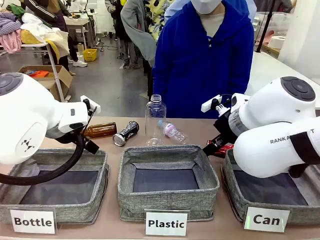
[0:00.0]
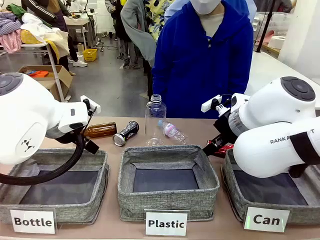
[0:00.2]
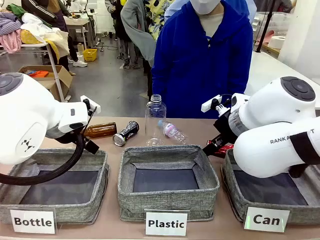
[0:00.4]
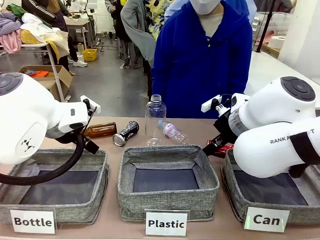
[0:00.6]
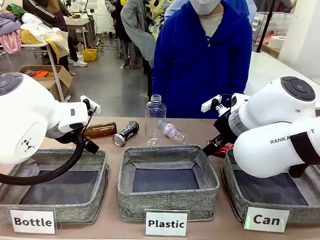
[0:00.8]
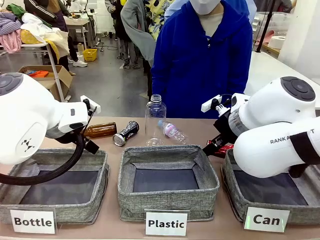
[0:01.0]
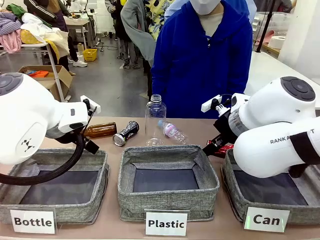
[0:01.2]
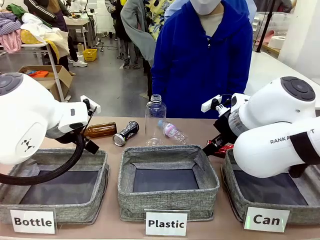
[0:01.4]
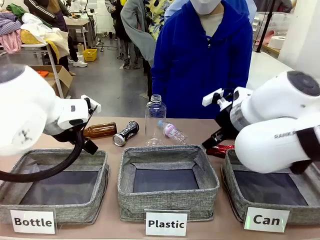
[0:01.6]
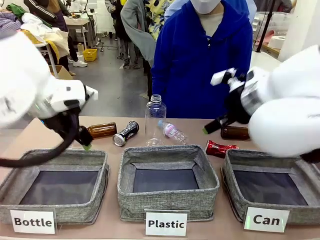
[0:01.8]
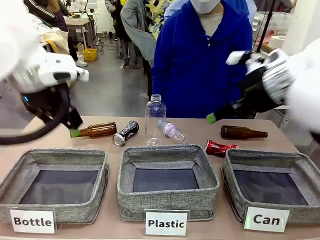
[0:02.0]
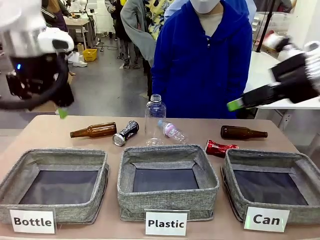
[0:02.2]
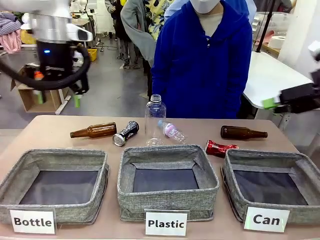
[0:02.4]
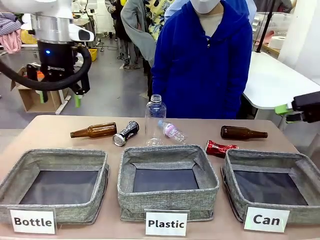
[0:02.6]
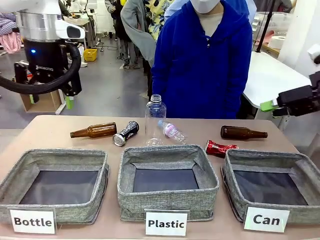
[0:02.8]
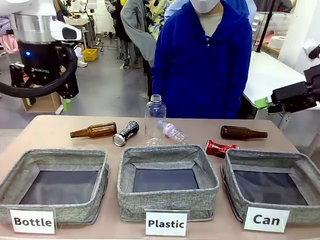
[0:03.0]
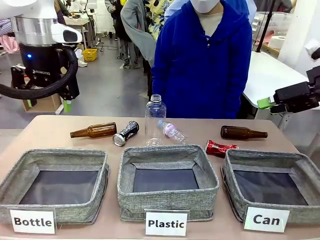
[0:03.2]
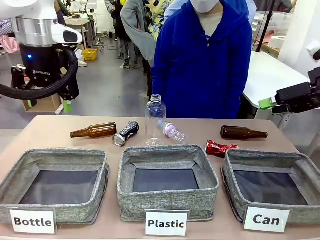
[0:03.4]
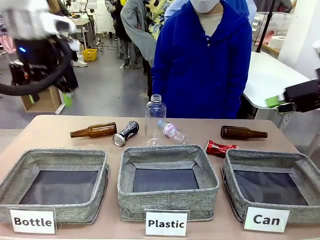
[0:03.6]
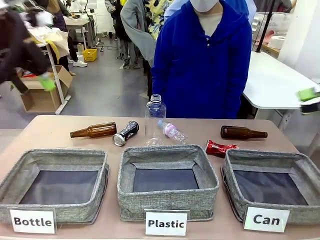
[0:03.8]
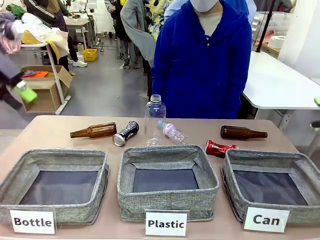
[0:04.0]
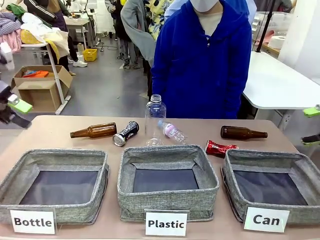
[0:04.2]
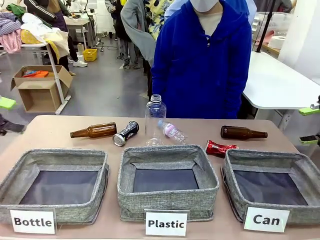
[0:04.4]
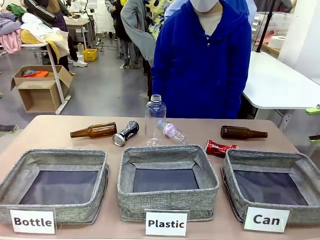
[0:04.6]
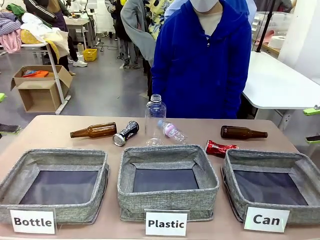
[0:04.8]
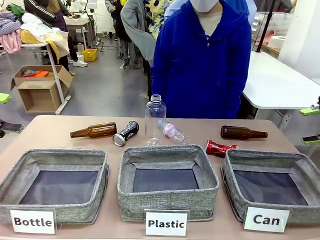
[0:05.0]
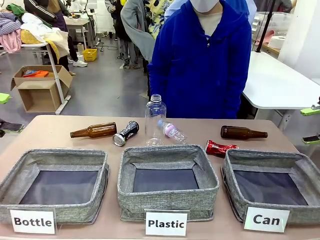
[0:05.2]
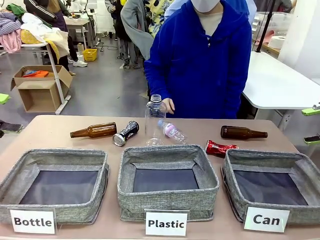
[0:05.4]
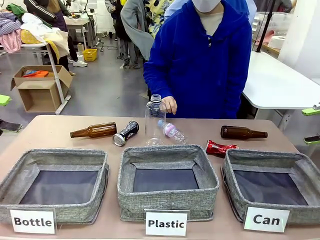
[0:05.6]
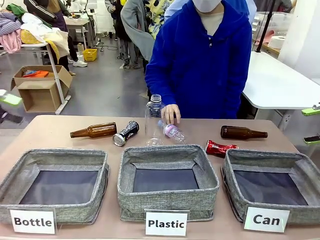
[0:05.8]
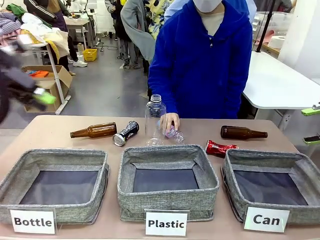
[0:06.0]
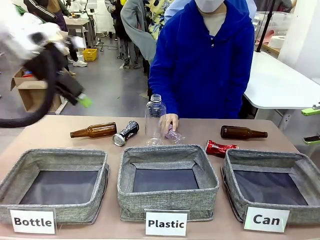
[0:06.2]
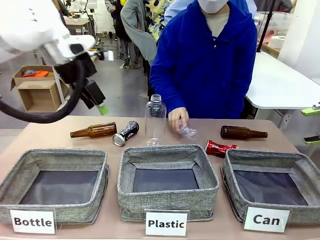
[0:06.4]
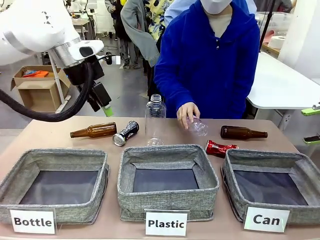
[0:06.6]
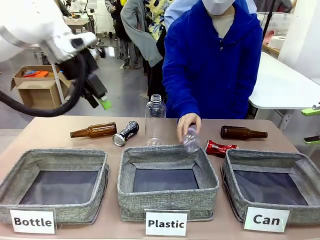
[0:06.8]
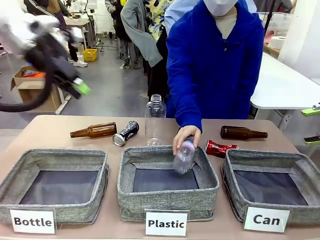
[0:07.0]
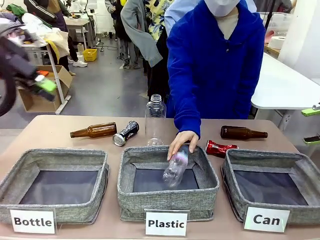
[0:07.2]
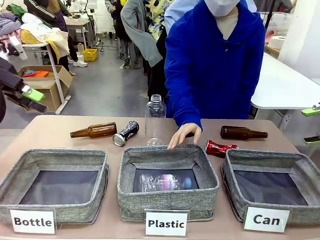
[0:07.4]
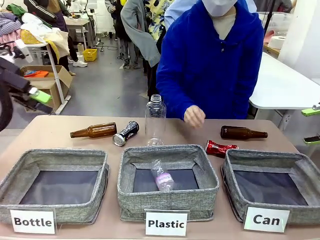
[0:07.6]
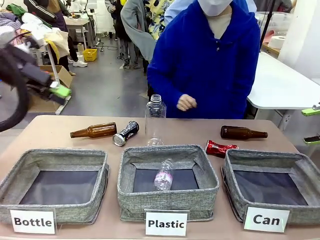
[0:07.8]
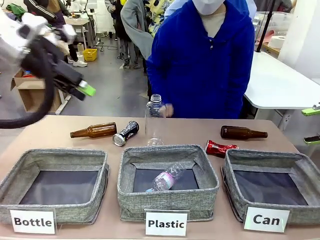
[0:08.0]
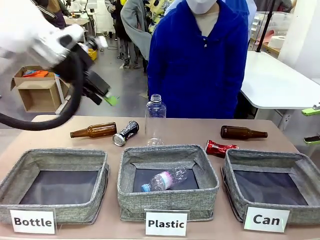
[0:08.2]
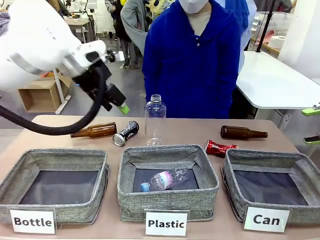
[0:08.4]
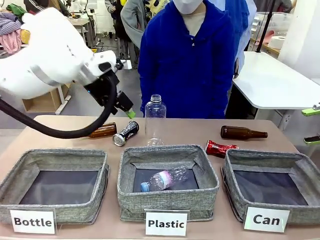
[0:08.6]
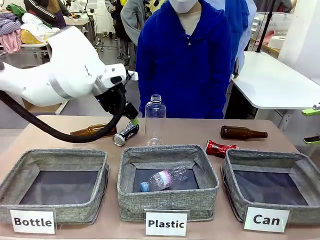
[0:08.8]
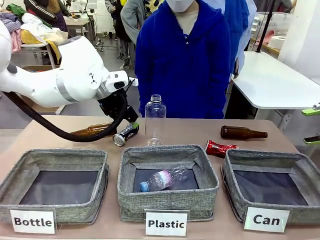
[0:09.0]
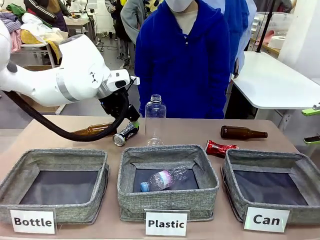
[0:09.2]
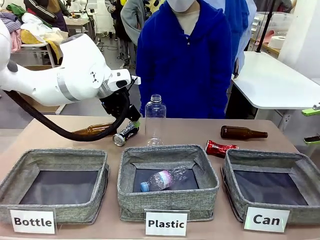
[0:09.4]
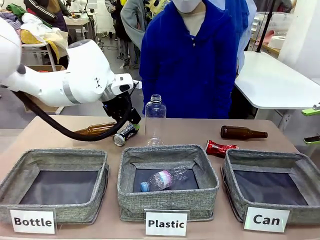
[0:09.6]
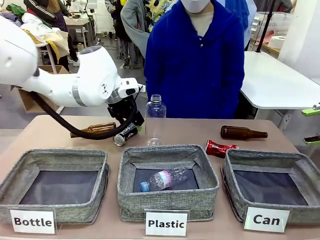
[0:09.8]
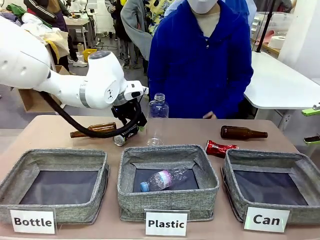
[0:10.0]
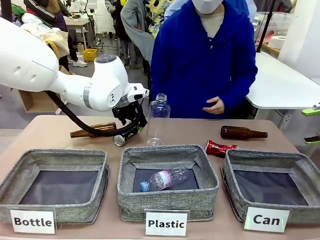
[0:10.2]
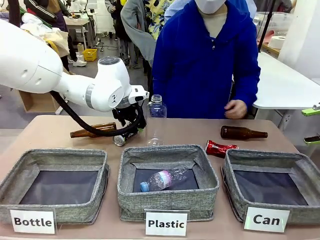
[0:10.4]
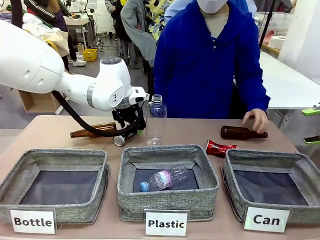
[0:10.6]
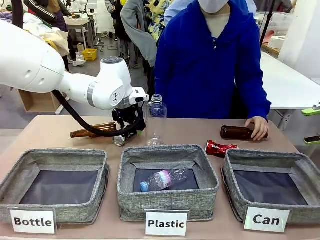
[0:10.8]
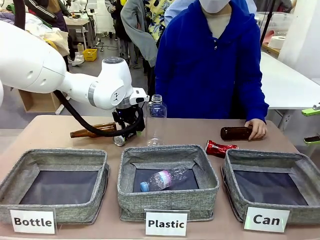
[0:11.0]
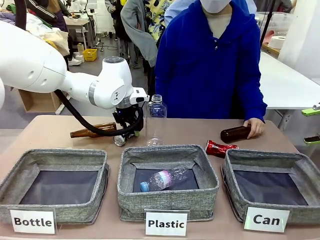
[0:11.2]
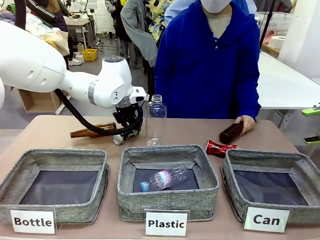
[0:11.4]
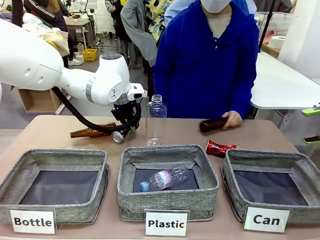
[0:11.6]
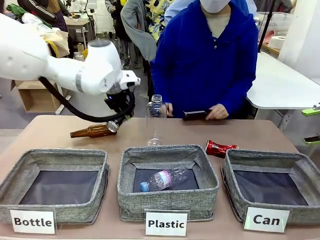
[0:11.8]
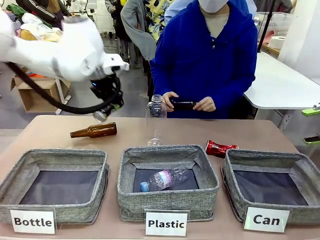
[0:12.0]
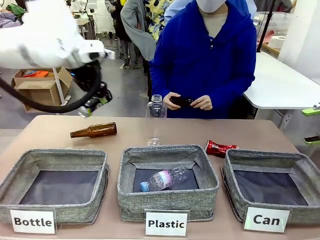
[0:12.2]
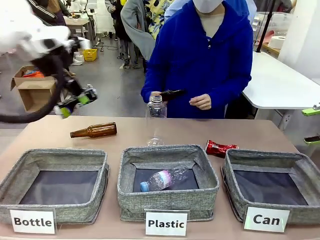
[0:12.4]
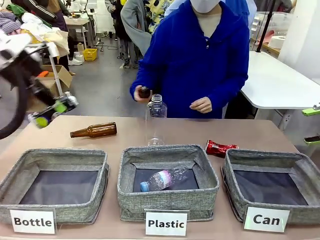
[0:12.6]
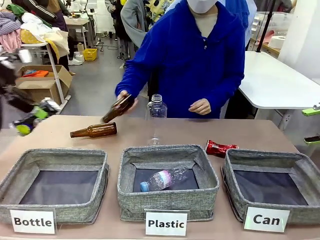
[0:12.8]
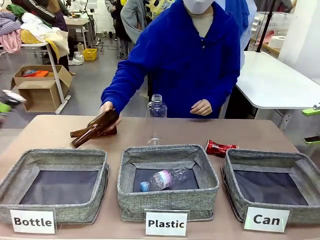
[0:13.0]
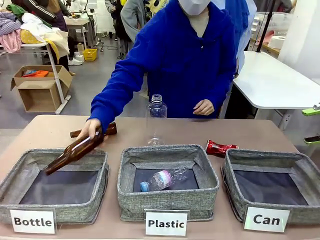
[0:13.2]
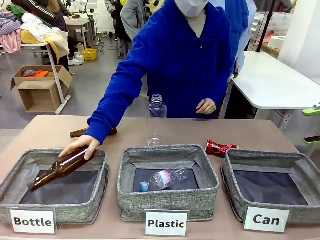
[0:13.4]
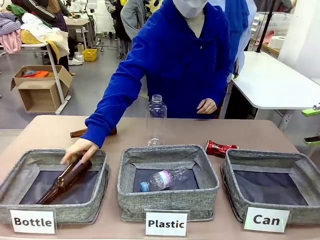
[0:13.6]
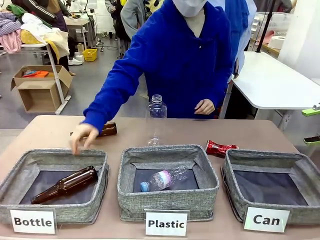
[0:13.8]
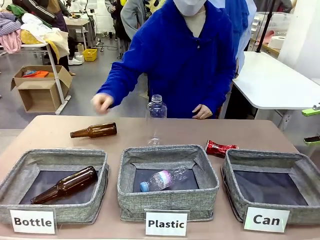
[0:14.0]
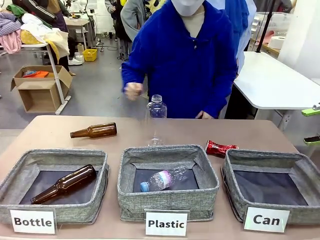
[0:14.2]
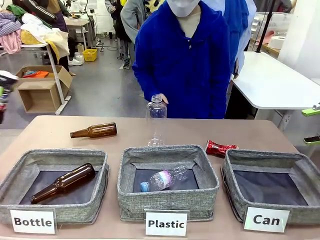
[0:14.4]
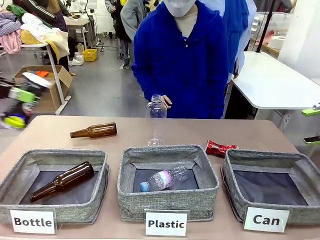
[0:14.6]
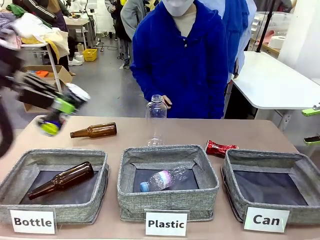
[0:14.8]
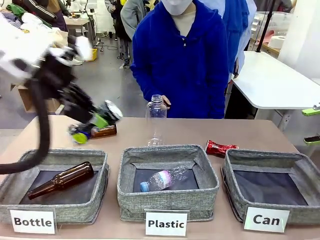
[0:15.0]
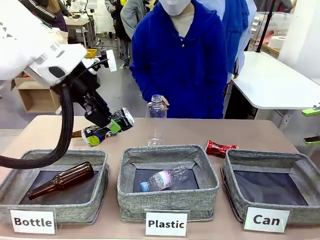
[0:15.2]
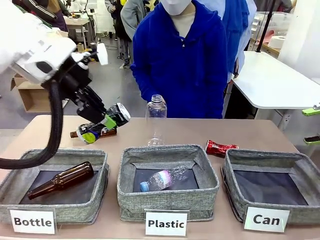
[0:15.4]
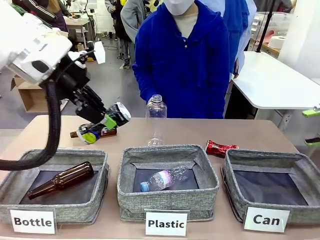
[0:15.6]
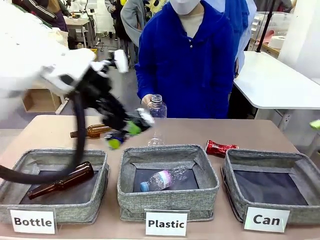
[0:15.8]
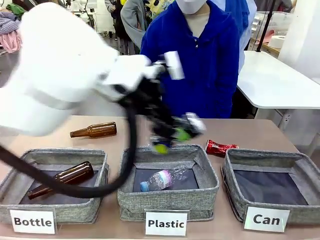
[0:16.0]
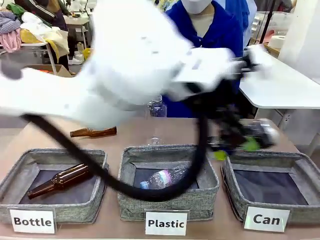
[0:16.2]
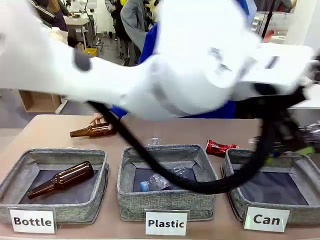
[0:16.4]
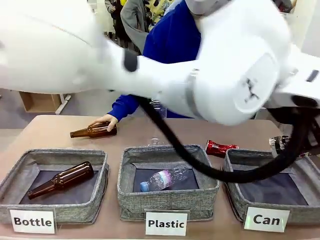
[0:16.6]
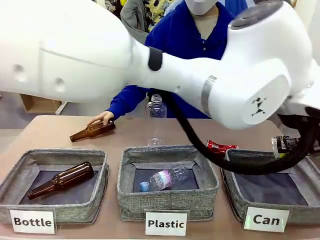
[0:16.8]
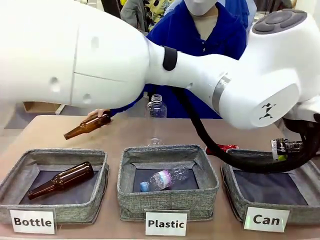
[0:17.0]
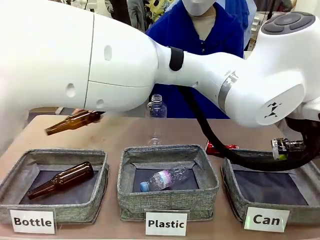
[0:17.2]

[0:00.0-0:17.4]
Task: Sort the can waste into the basket.
Robot: Pick up the can waste from the table and place it in the right Fabric basket.
